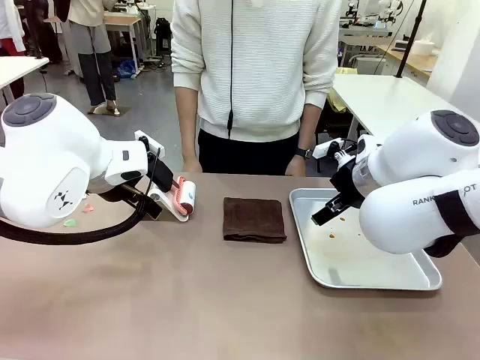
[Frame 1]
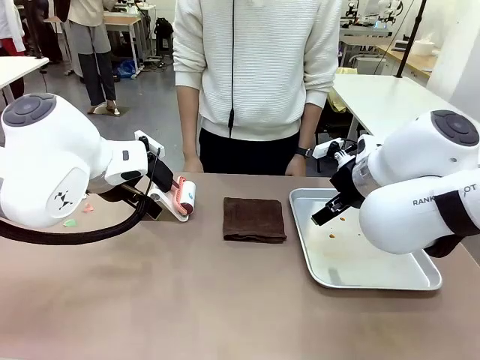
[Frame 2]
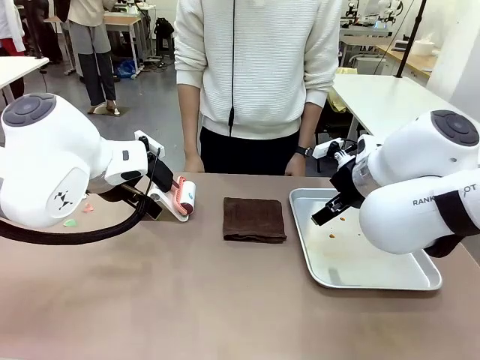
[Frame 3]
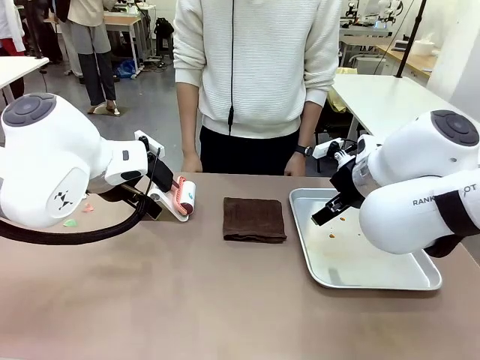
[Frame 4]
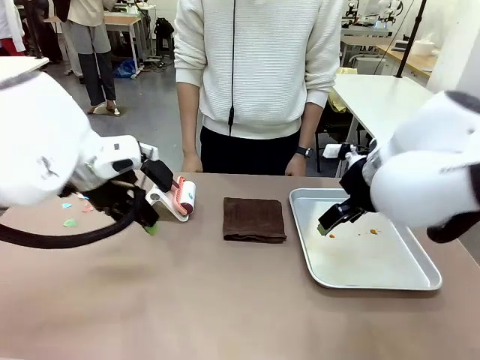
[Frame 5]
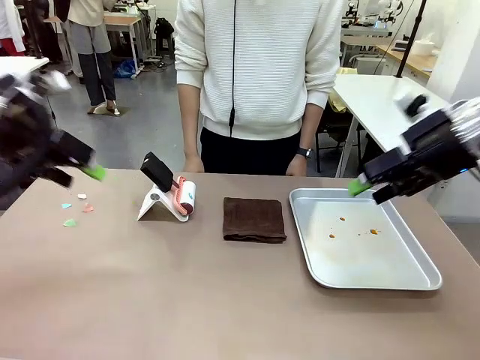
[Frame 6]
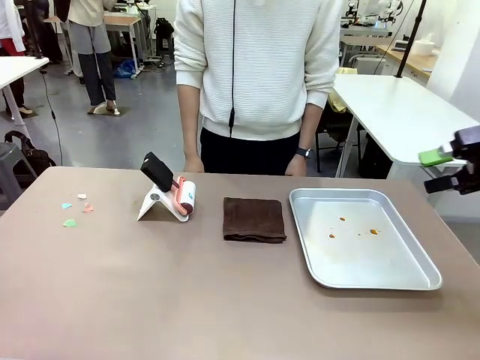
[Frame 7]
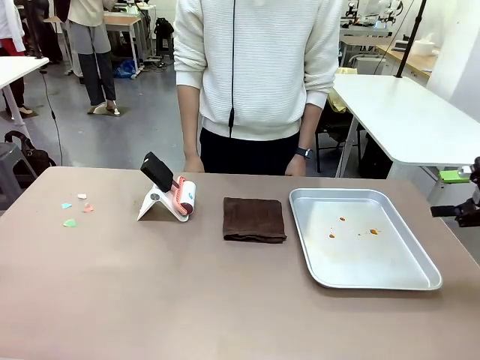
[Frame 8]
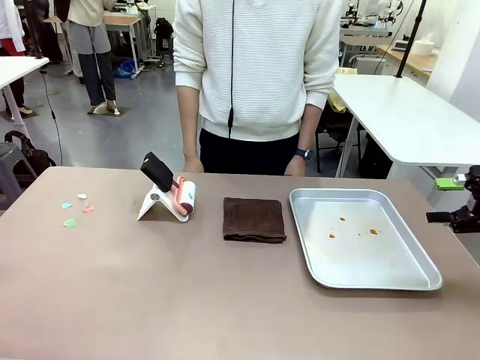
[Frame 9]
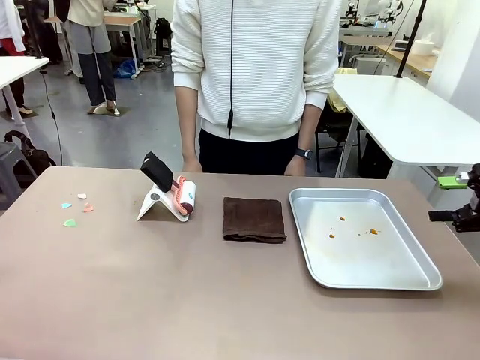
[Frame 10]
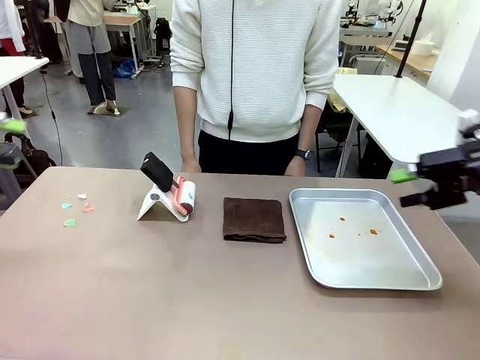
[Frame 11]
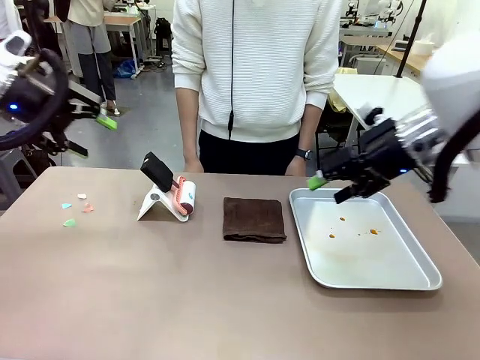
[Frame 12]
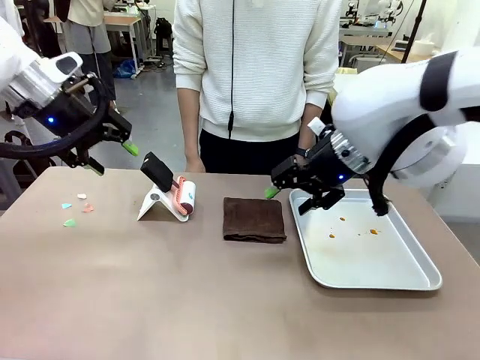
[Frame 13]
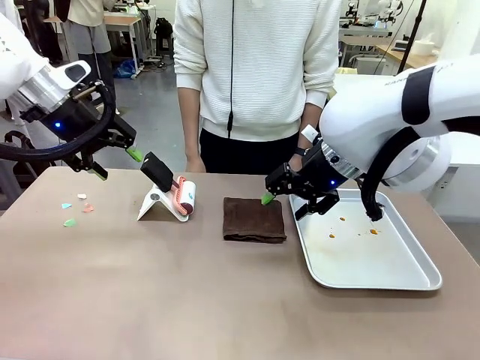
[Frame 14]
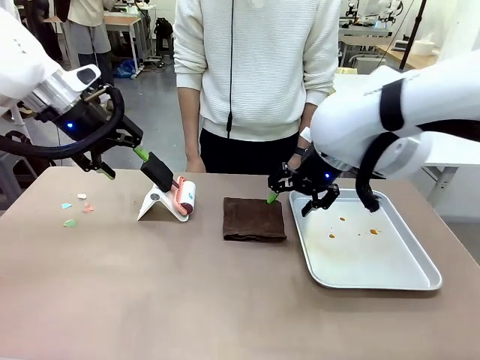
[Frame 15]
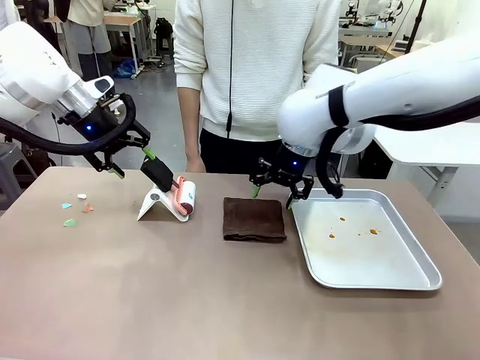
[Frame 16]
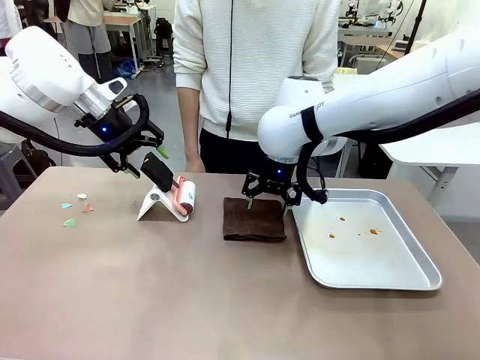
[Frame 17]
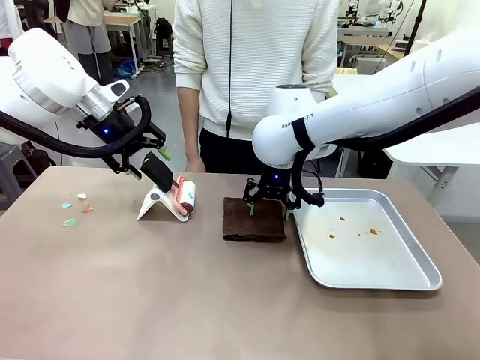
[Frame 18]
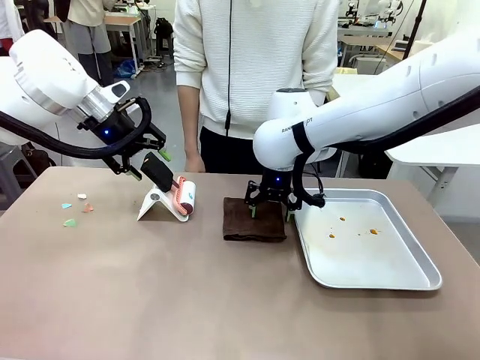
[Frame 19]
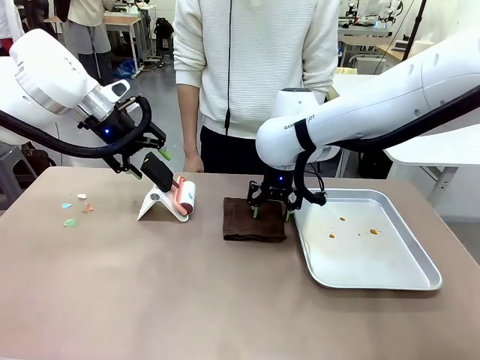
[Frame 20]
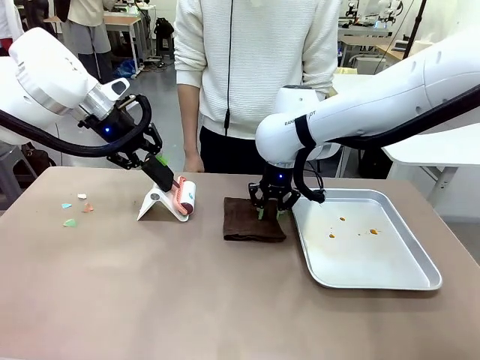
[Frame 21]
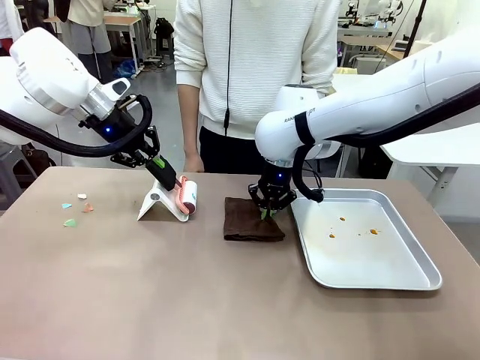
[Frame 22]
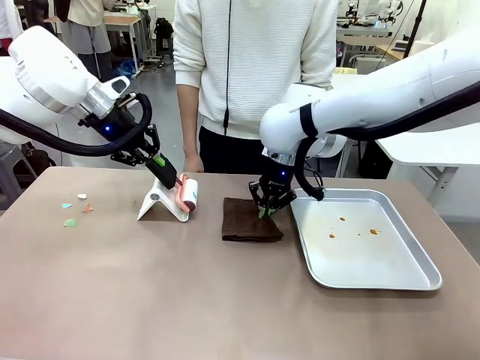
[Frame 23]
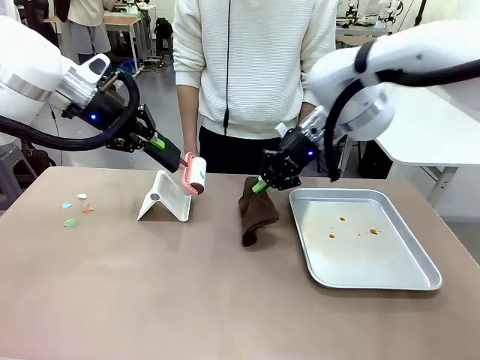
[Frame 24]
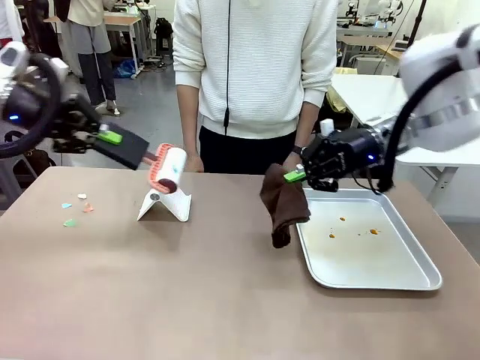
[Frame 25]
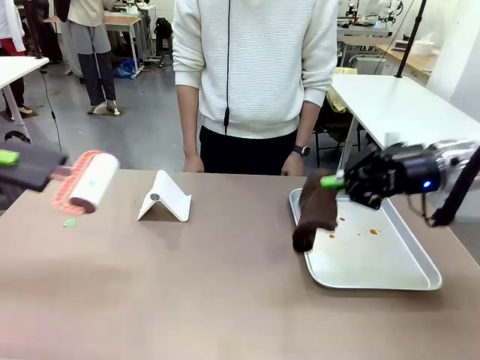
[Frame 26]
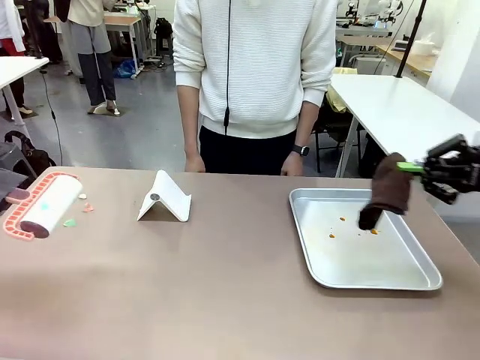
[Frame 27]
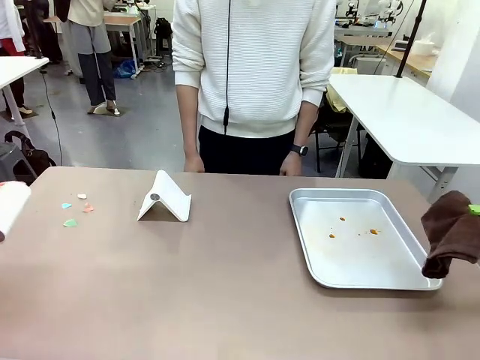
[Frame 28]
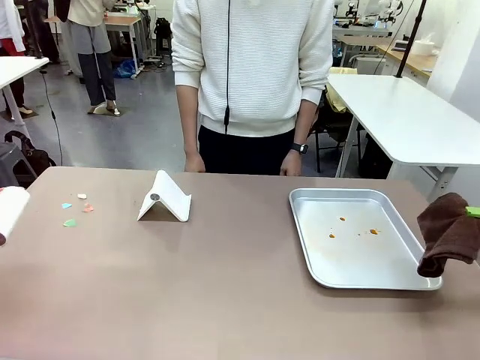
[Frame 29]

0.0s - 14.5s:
Task: Clean the surface of the table.
Robot: Hold the Lint Roller with your left hand and the towel with your right hand.

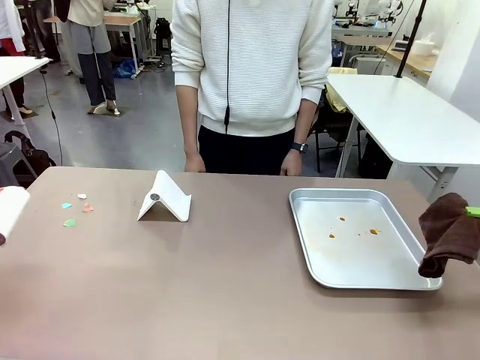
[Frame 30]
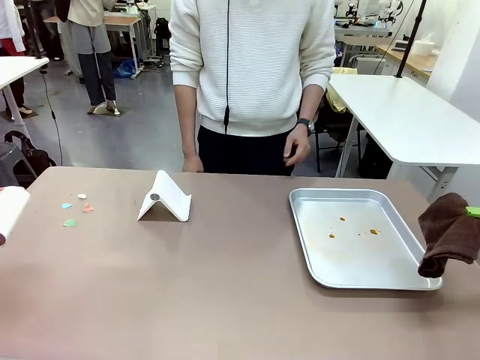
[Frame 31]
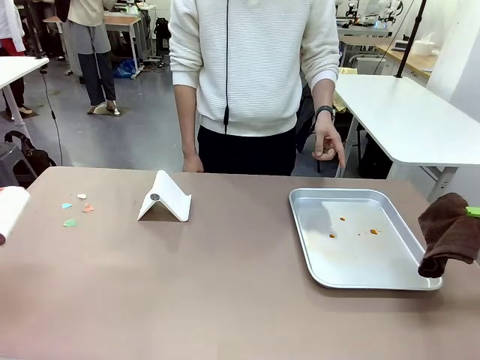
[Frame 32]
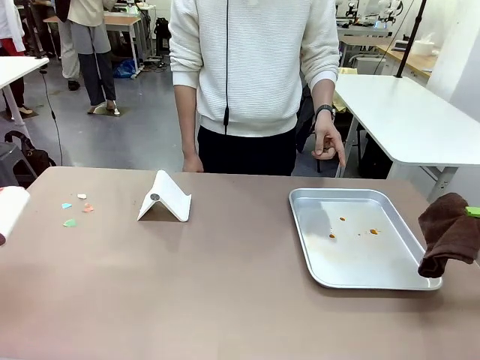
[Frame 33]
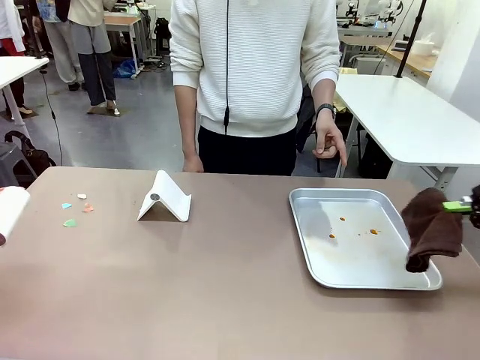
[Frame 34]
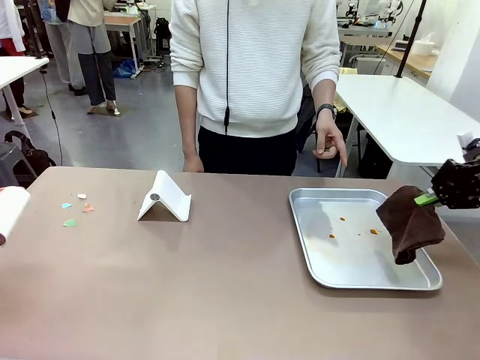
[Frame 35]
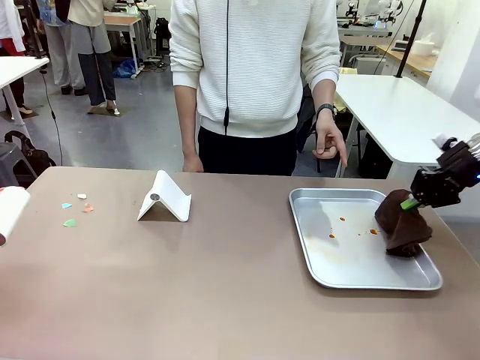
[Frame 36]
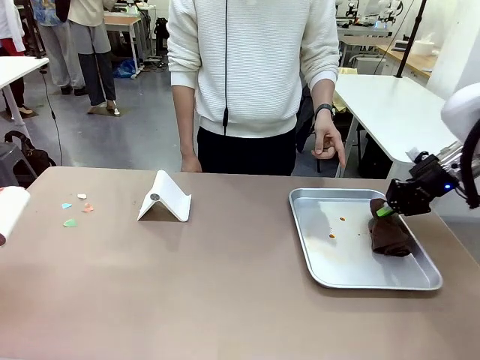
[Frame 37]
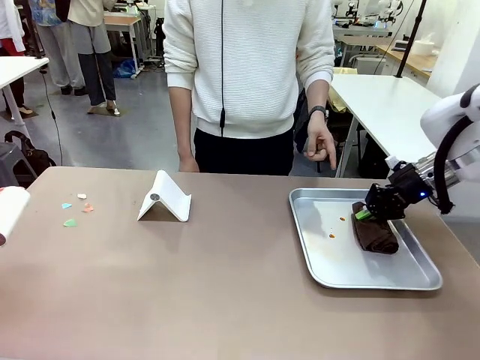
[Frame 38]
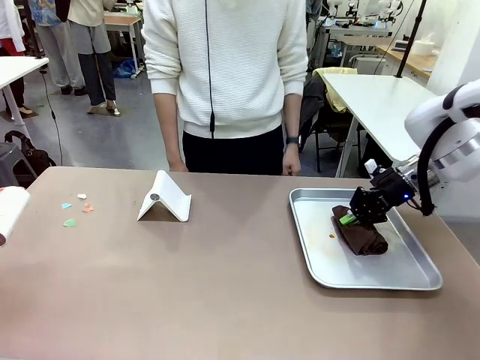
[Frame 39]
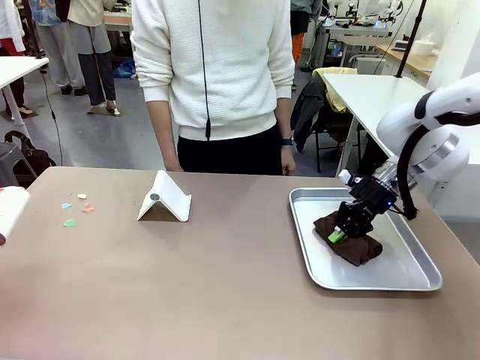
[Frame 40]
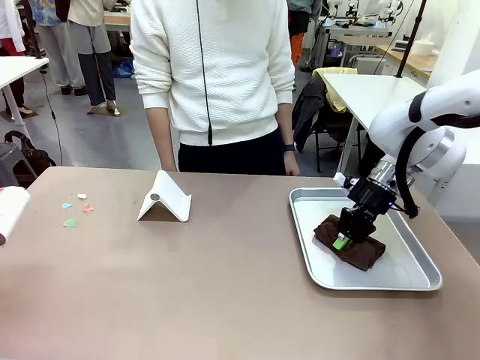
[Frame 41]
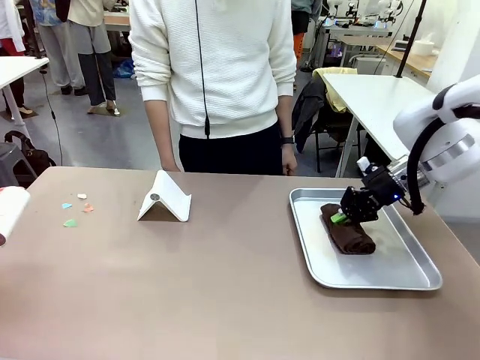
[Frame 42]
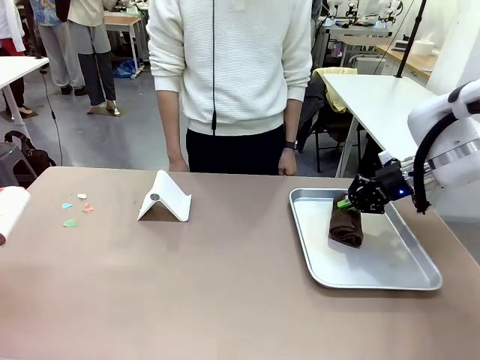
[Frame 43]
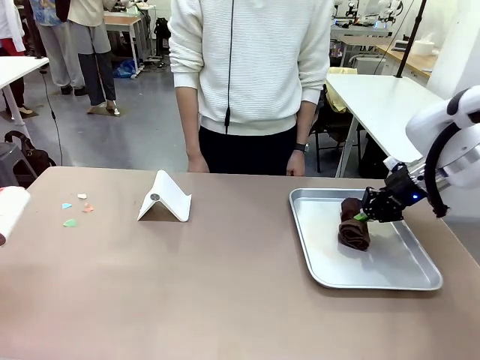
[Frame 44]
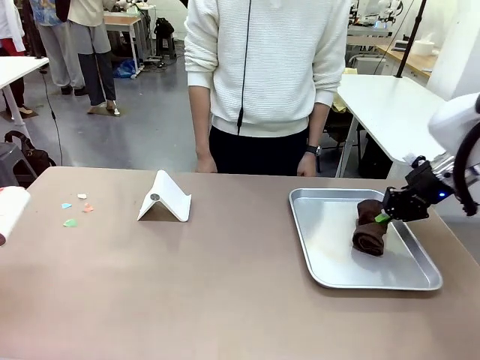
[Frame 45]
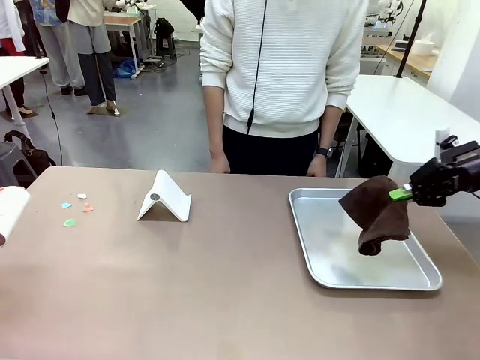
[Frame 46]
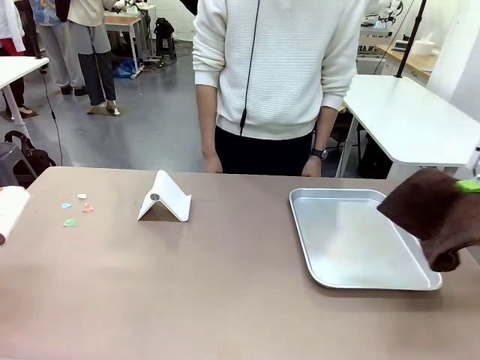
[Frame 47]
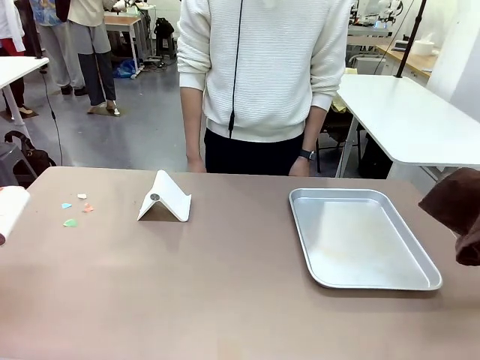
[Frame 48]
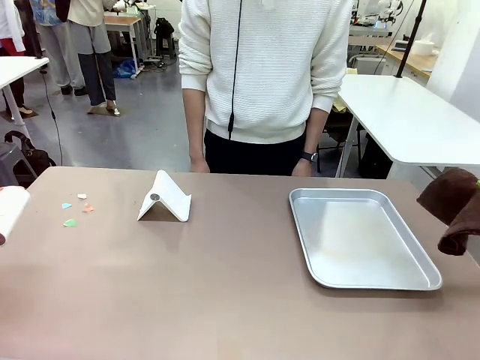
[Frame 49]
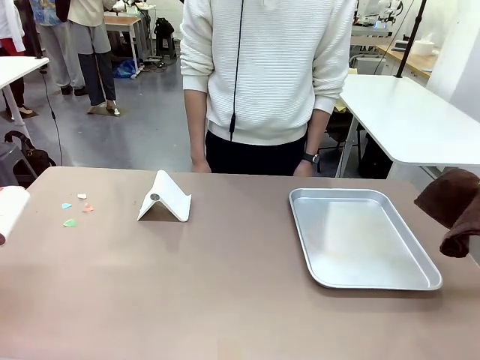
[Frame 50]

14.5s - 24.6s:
Robot: If a person points to the right, clean the right side of the table with your right hand, and if they point to the left, clean the left side with your left hand.

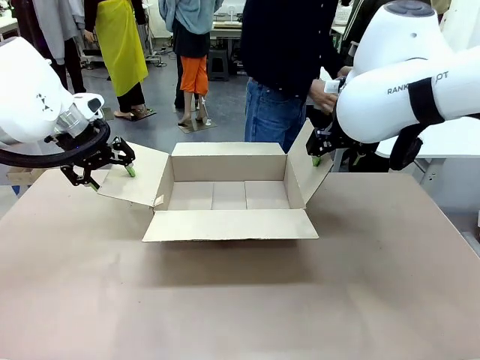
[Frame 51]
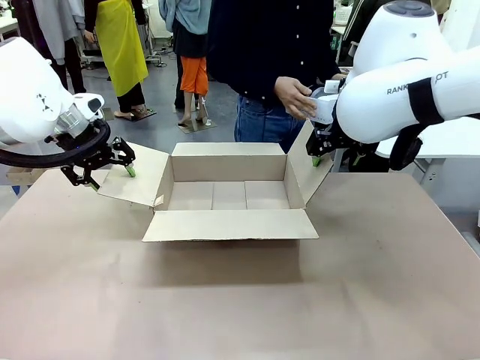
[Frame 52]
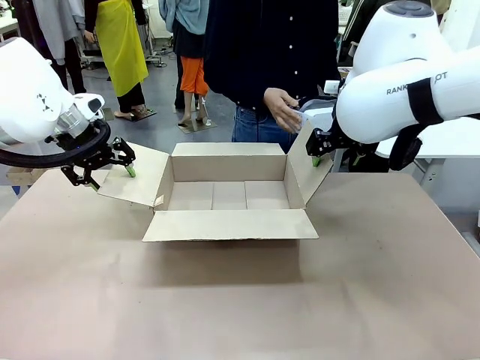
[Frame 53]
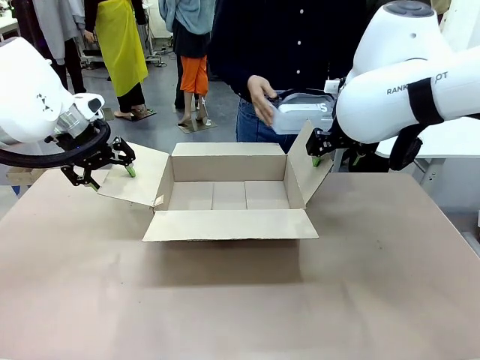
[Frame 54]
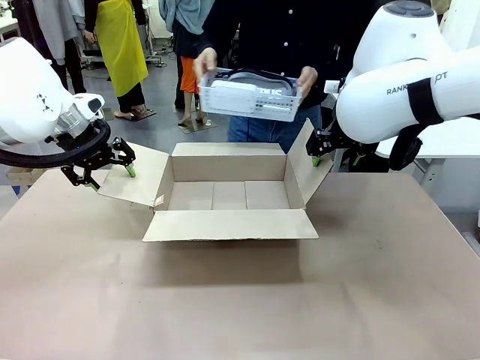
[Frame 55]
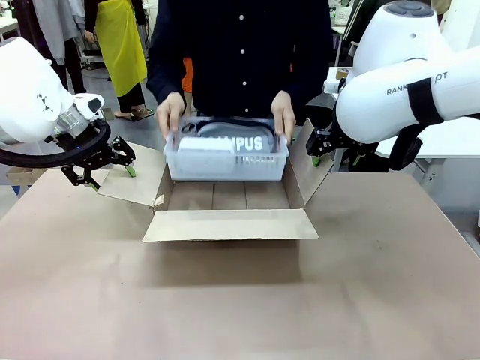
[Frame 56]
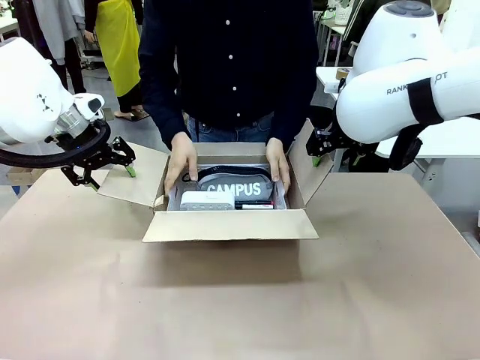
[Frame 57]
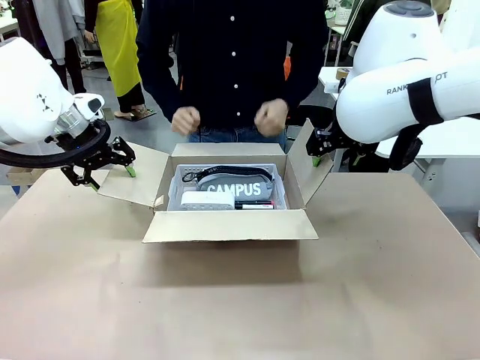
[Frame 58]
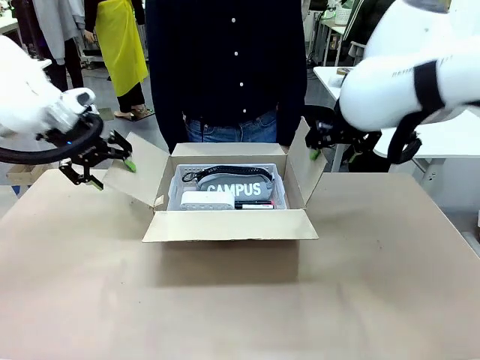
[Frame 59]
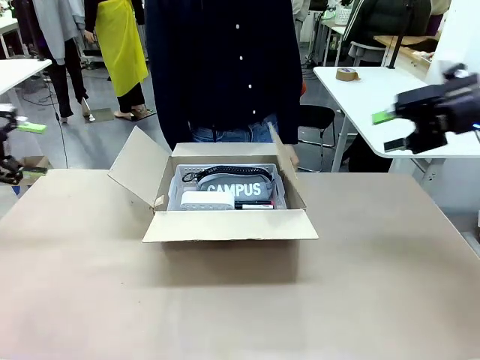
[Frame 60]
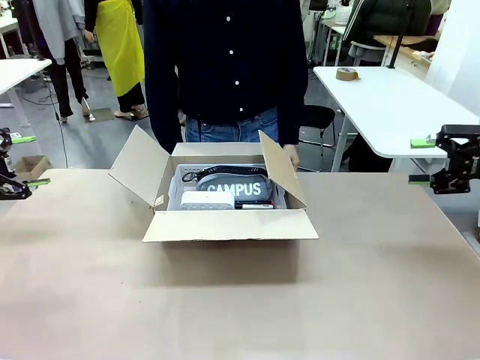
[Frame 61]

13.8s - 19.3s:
Task: Pack the gift set into the box.
Robot: Lift both hands away from the flaps of the Package Box.
Person: The human picks up the organizing basket and places the organizing basket into the package box on the robot table.
